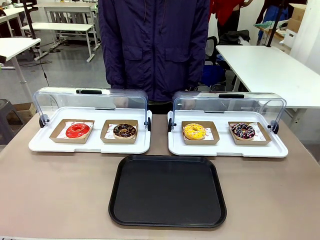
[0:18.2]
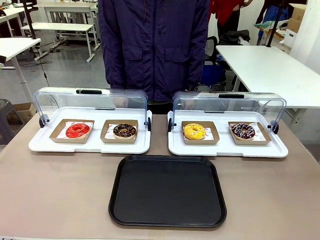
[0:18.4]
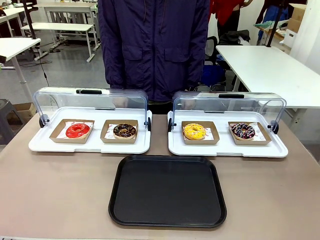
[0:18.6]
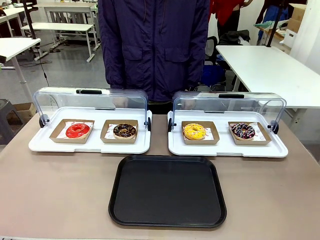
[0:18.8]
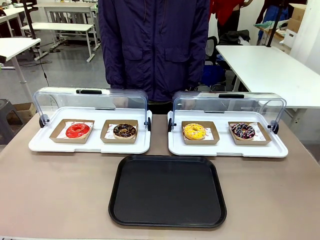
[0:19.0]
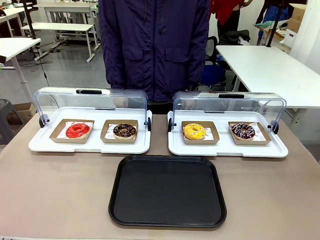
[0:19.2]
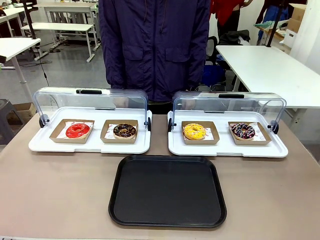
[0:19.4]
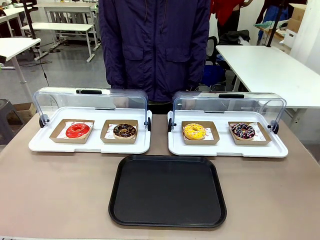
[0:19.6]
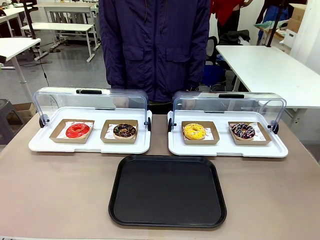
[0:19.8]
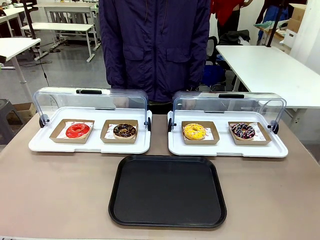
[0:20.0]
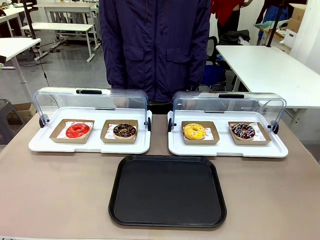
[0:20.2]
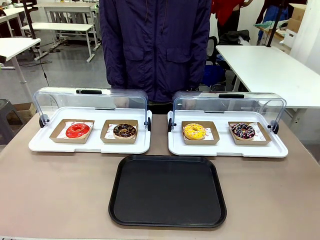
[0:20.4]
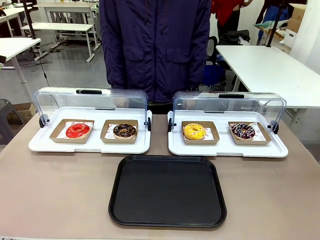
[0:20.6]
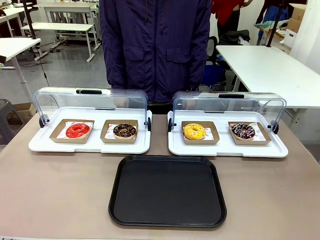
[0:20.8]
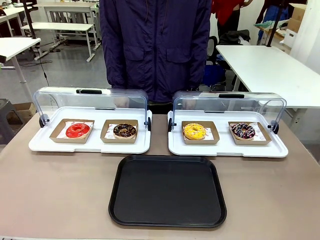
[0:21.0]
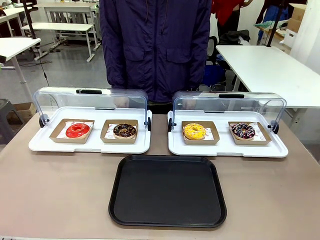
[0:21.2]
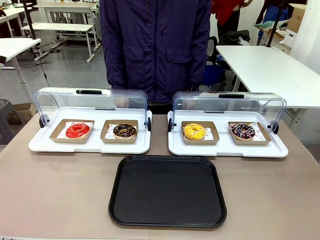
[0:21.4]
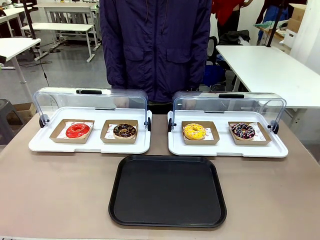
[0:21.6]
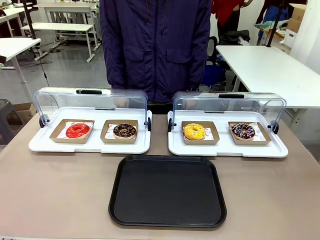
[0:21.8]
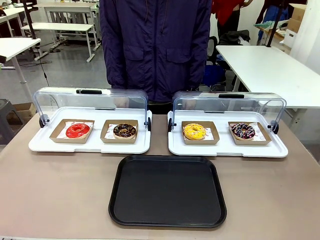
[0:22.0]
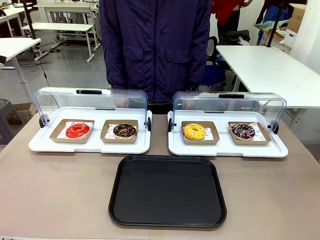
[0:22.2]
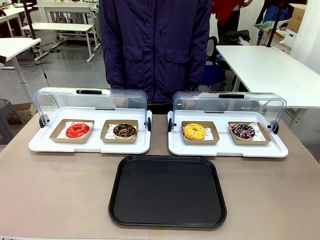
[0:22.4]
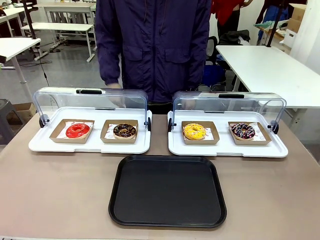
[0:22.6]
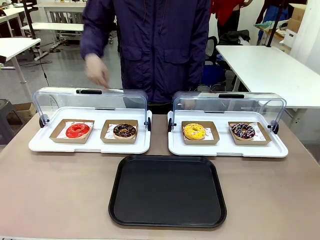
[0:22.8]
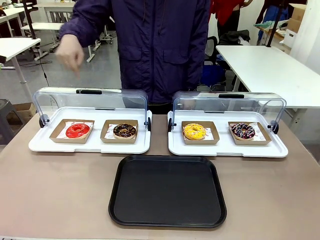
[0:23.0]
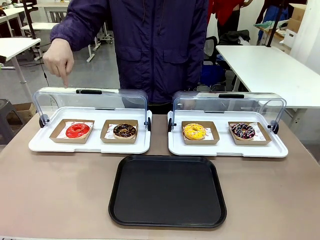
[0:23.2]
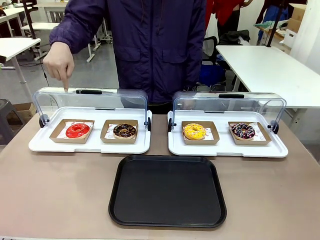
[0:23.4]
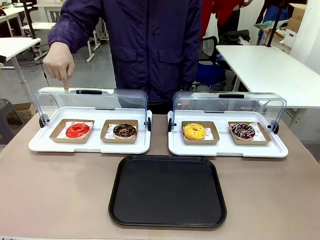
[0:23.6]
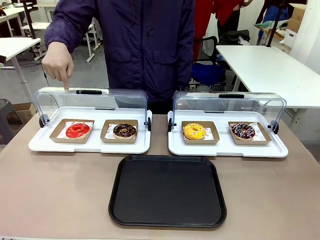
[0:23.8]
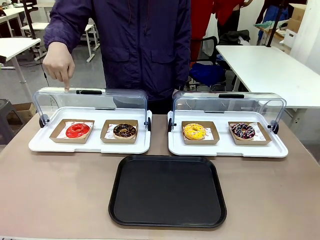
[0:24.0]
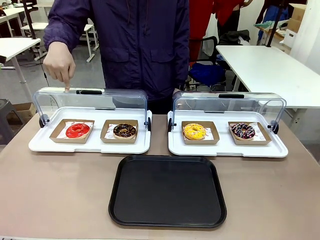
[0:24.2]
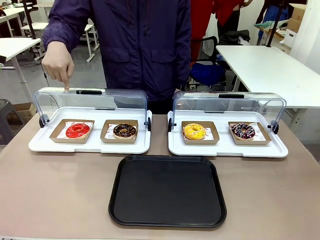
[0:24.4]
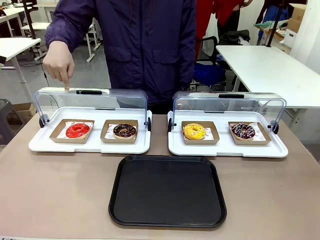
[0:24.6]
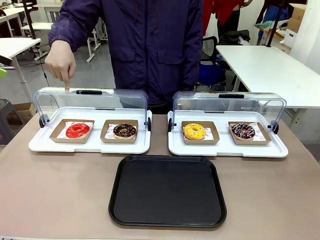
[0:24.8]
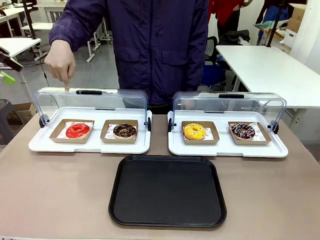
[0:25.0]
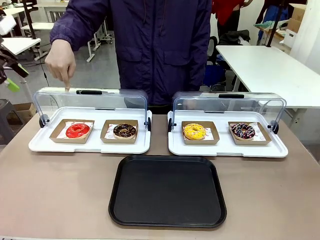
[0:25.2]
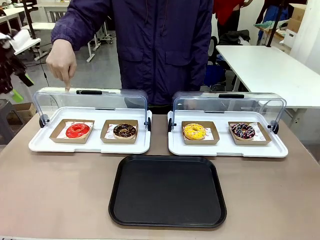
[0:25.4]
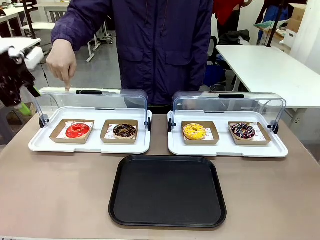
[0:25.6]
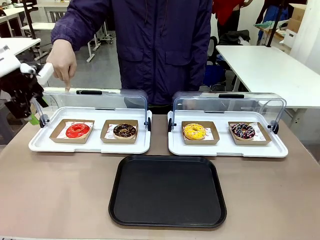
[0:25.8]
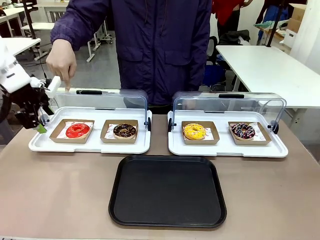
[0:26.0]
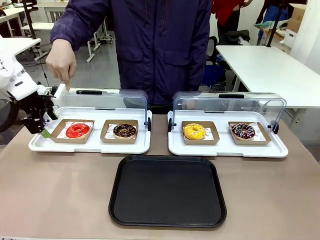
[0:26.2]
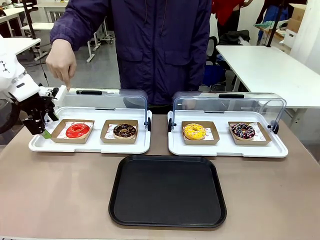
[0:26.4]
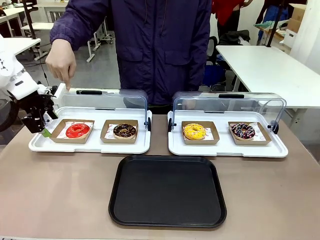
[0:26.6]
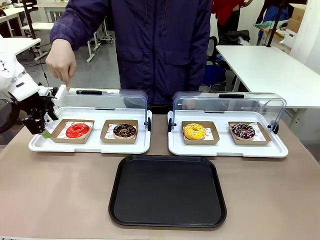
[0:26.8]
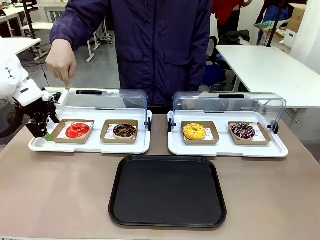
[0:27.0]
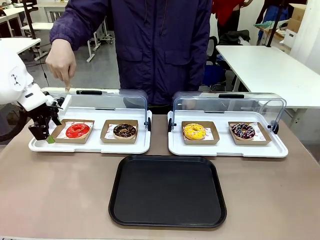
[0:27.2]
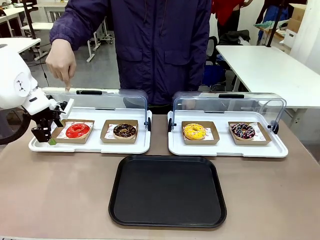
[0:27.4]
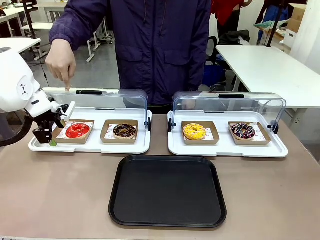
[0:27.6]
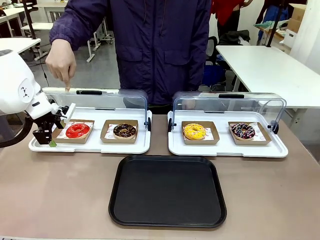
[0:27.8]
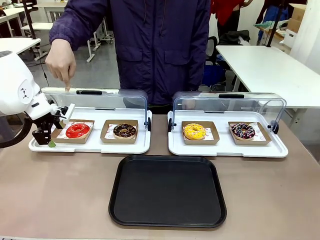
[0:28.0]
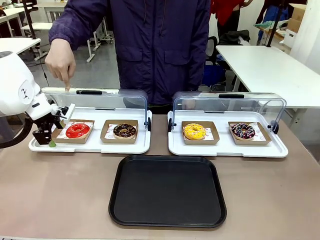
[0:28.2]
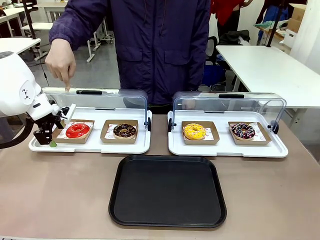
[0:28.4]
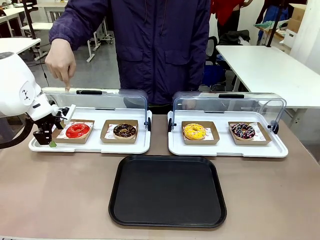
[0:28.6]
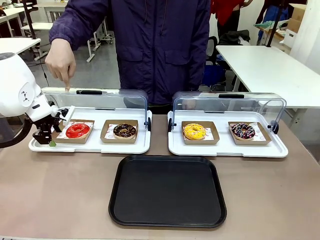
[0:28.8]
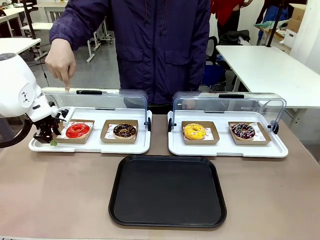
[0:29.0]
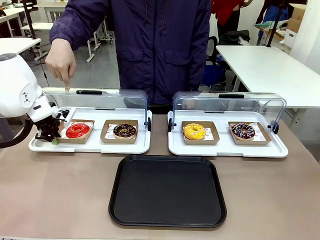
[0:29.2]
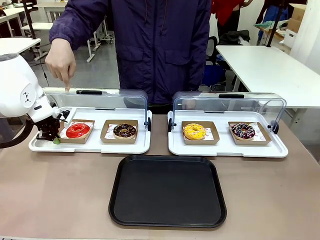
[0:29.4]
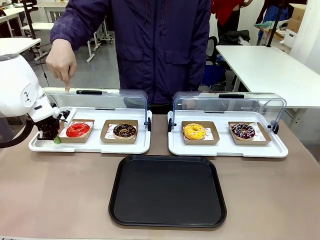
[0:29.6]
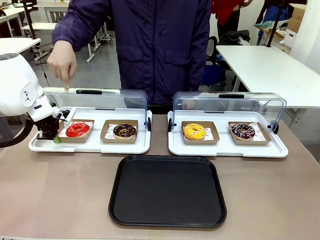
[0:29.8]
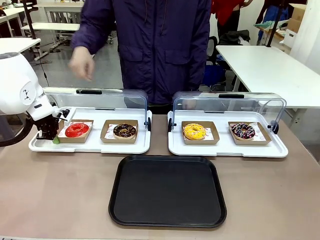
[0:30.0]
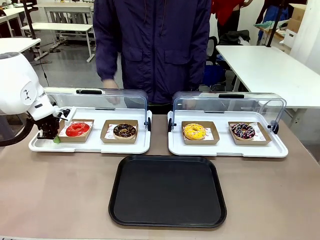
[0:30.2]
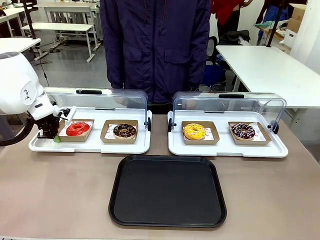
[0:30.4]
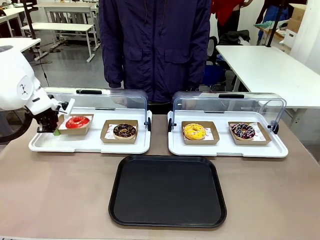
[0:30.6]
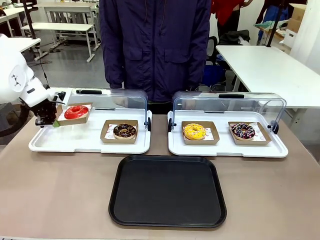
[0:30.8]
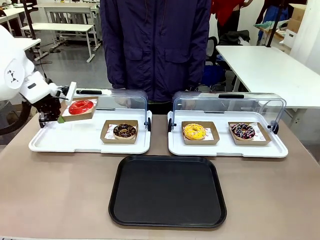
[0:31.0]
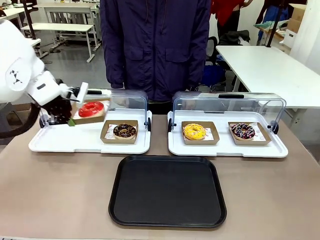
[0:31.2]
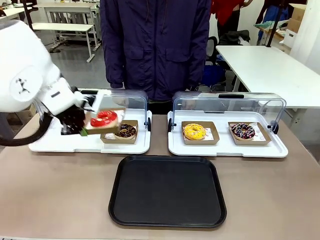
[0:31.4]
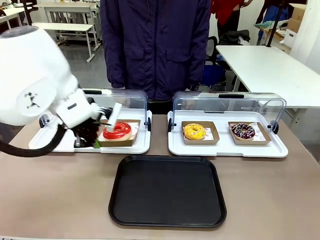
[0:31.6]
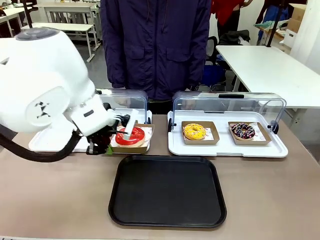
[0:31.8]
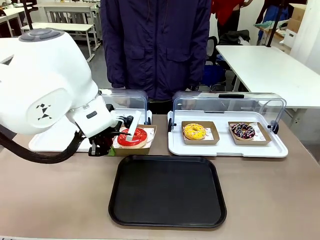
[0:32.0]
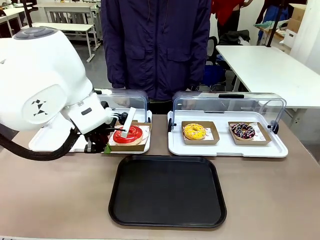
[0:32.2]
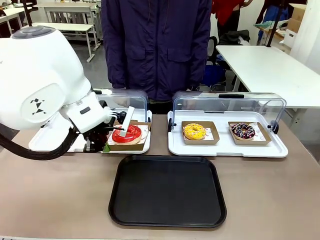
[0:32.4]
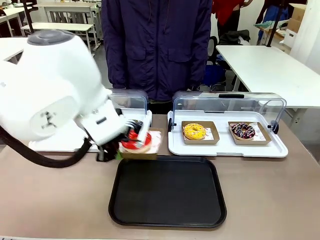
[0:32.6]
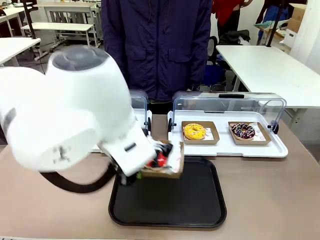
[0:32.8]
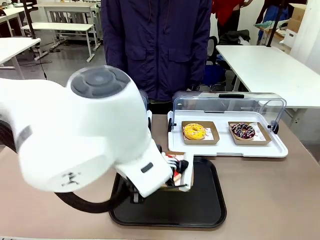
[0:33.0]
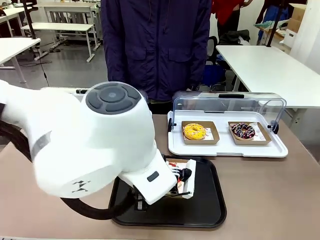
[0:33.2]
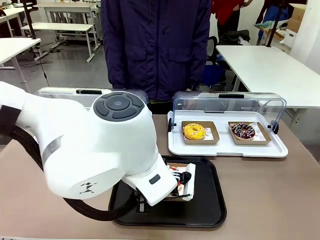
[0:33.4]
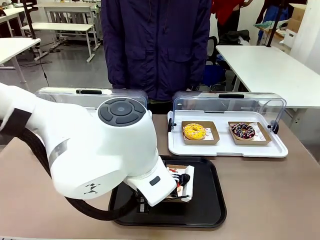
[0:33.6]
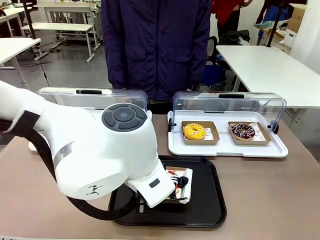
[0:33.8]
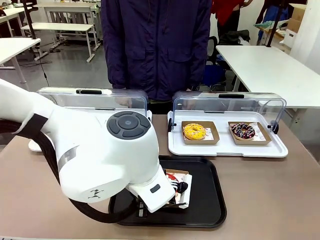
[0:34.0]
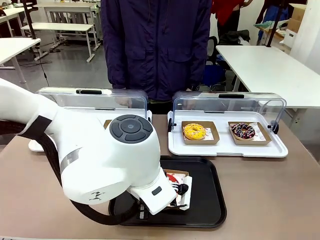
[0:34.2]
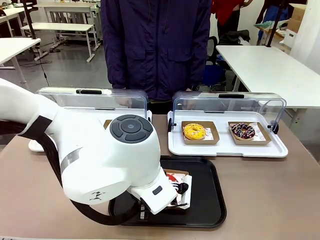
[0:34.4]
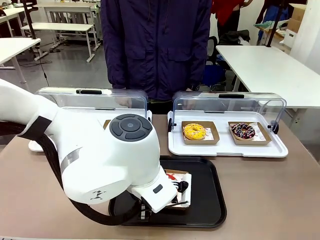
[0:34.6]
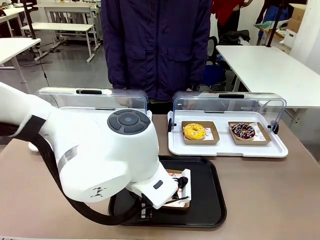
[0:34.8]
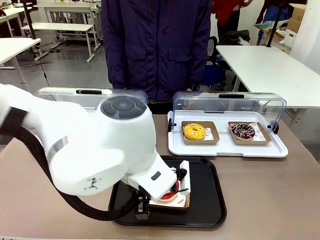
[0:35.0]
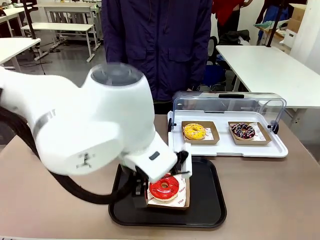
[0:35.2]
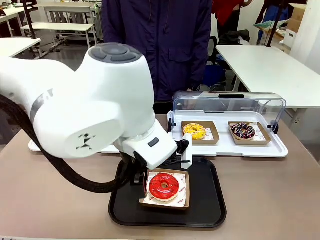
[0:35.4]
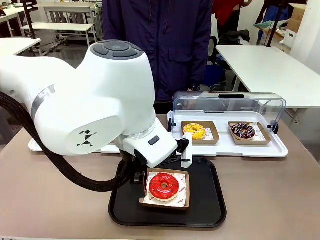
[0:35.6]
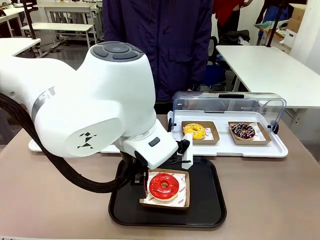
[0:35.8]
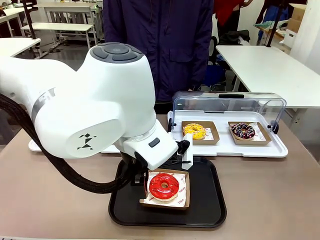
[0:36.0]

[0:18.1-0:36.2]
Task: Move the first donut from the left to the tray.
Robot: Pick up the Paper togo box containing the Donut indicated by the person and place it on the Handle tray.
